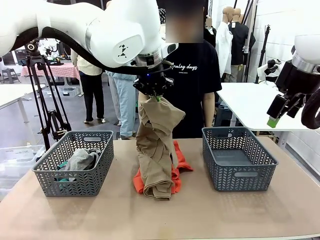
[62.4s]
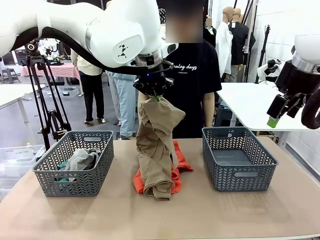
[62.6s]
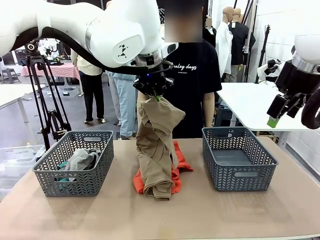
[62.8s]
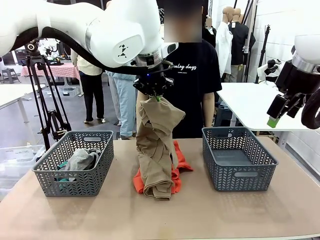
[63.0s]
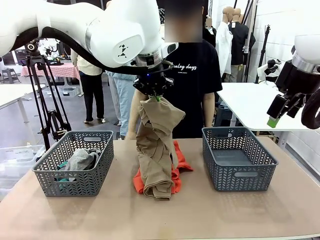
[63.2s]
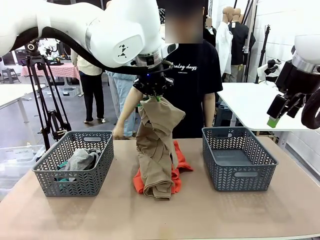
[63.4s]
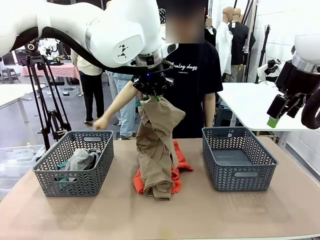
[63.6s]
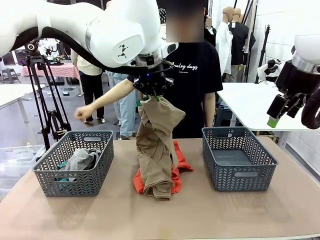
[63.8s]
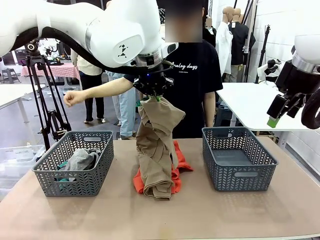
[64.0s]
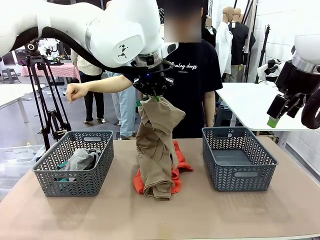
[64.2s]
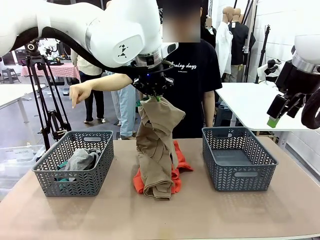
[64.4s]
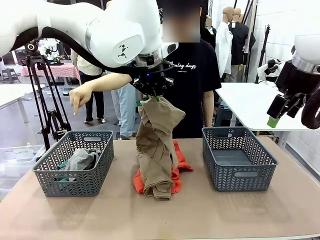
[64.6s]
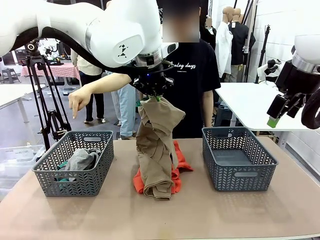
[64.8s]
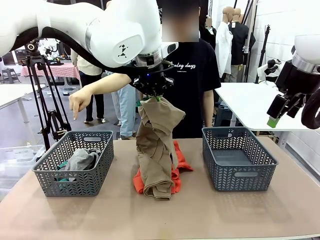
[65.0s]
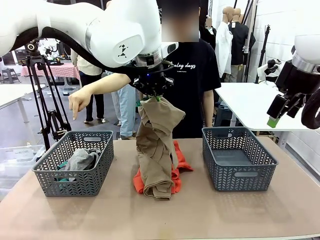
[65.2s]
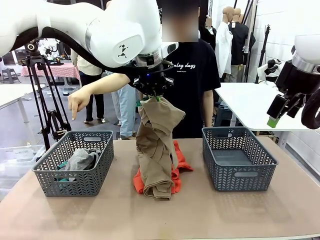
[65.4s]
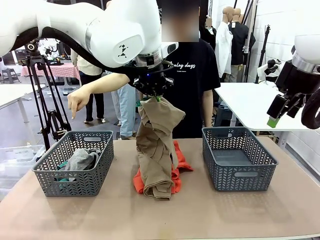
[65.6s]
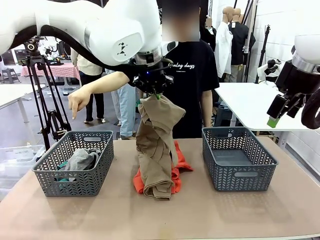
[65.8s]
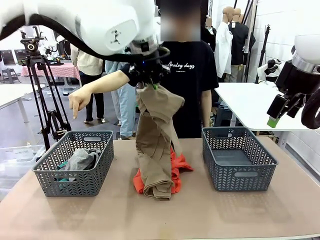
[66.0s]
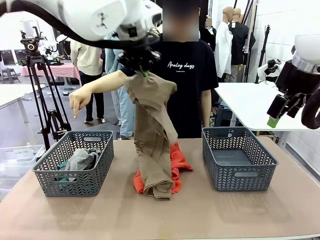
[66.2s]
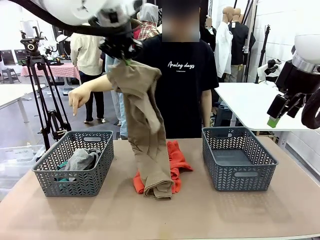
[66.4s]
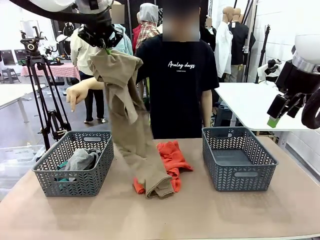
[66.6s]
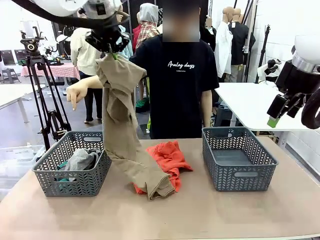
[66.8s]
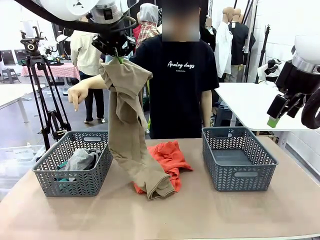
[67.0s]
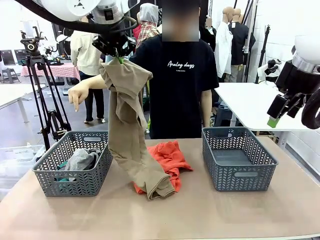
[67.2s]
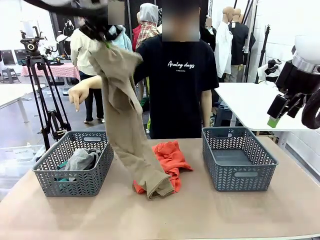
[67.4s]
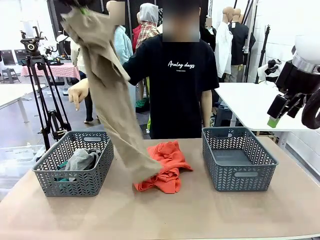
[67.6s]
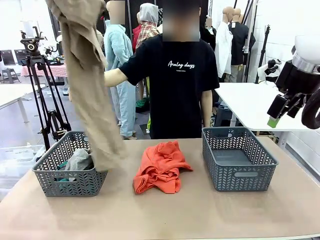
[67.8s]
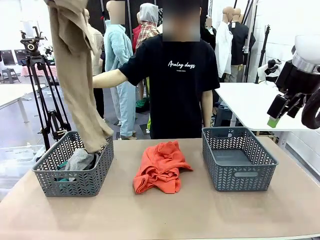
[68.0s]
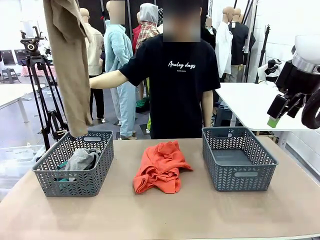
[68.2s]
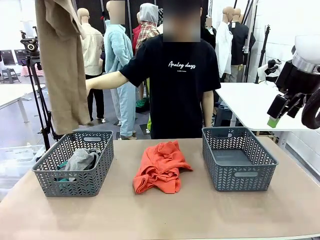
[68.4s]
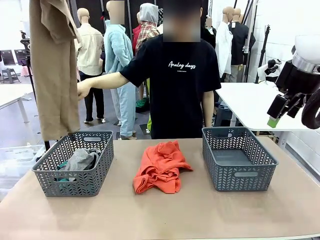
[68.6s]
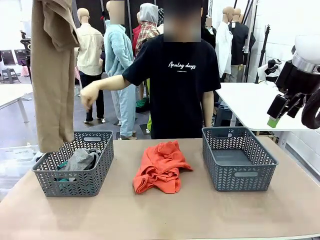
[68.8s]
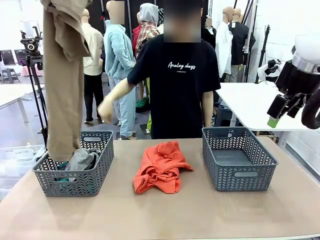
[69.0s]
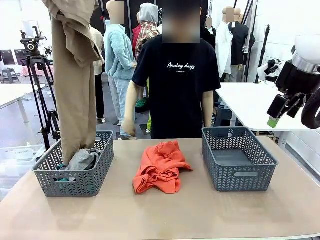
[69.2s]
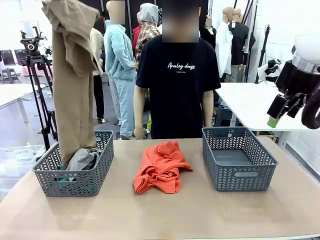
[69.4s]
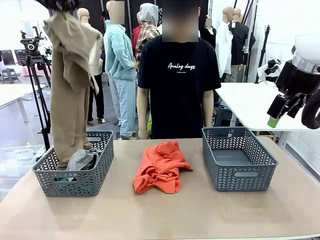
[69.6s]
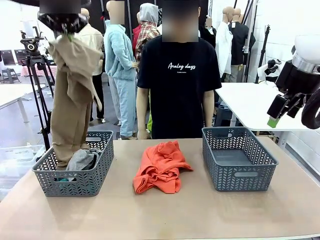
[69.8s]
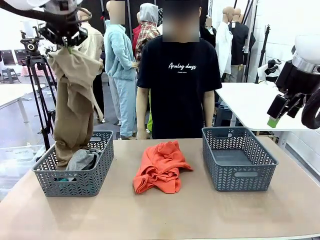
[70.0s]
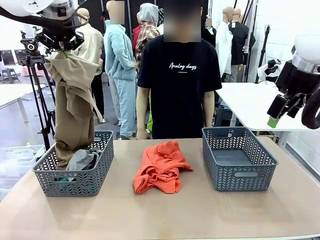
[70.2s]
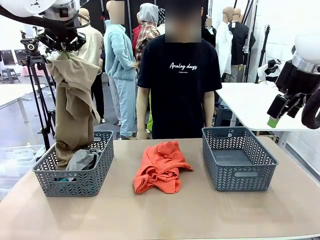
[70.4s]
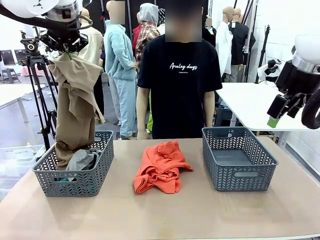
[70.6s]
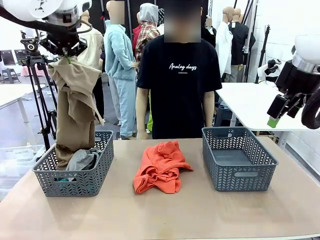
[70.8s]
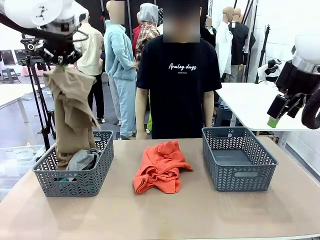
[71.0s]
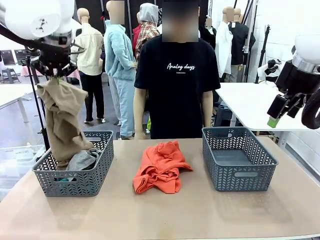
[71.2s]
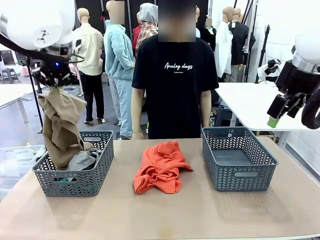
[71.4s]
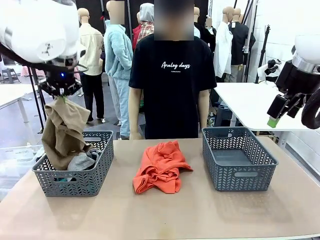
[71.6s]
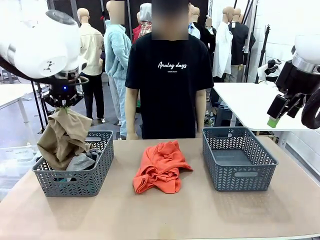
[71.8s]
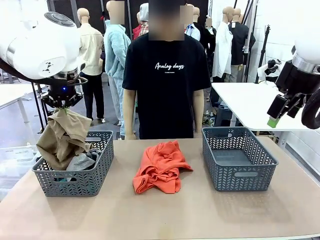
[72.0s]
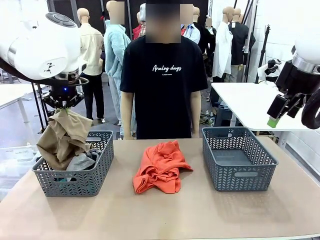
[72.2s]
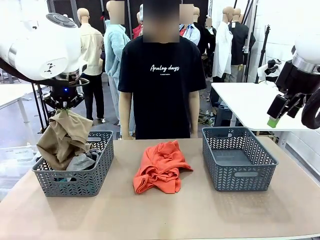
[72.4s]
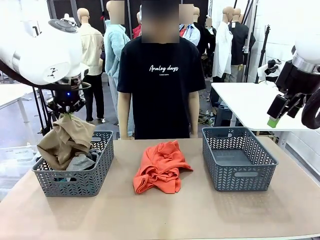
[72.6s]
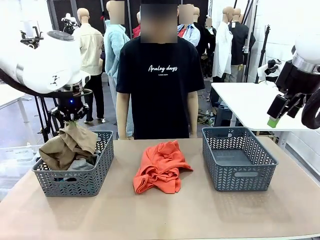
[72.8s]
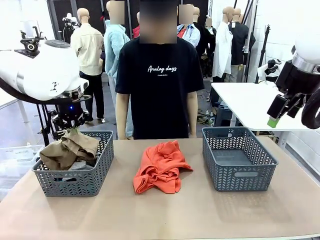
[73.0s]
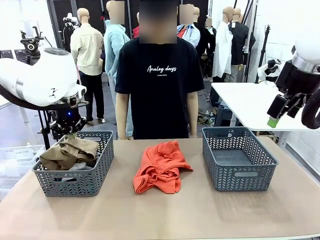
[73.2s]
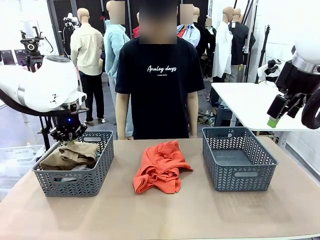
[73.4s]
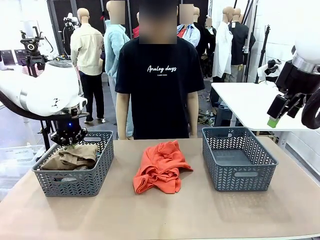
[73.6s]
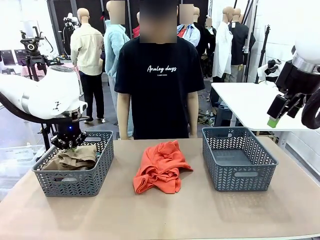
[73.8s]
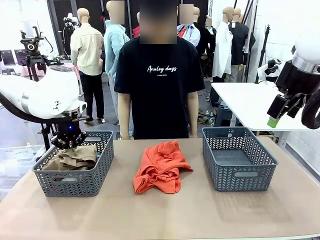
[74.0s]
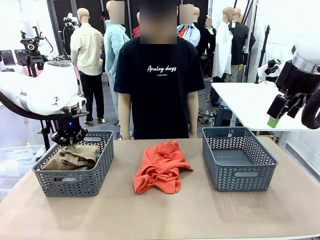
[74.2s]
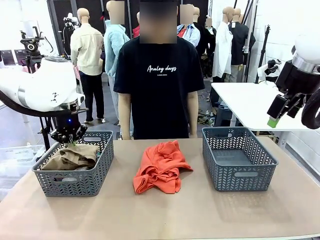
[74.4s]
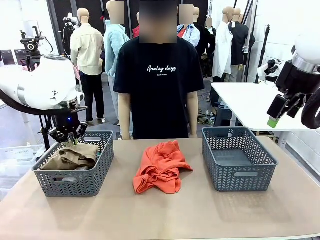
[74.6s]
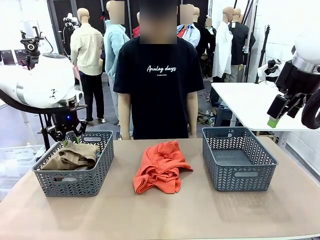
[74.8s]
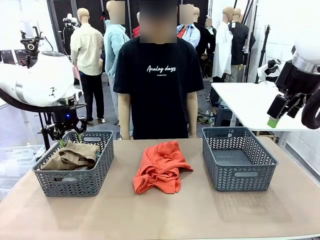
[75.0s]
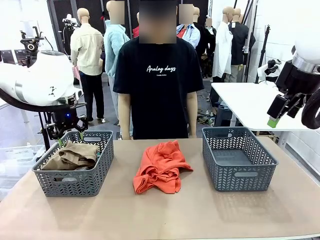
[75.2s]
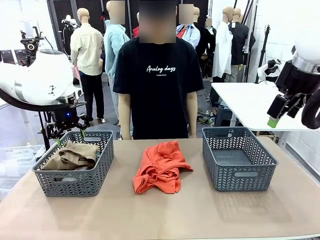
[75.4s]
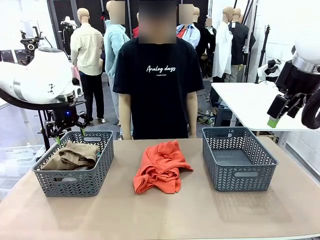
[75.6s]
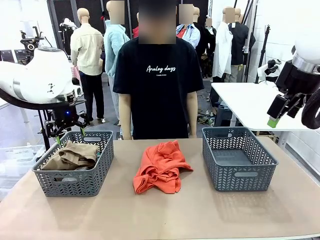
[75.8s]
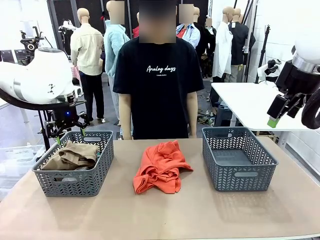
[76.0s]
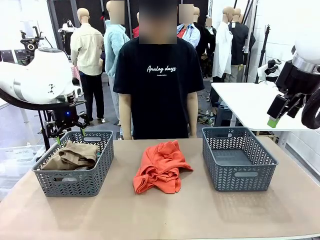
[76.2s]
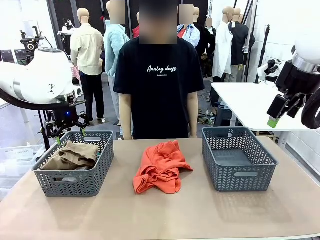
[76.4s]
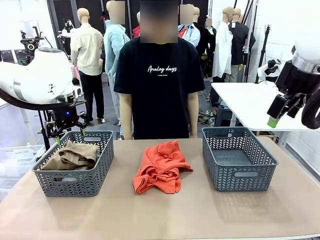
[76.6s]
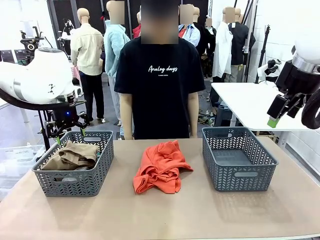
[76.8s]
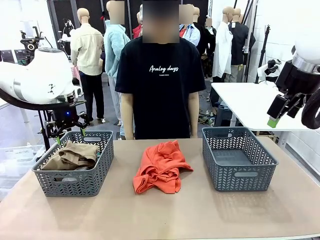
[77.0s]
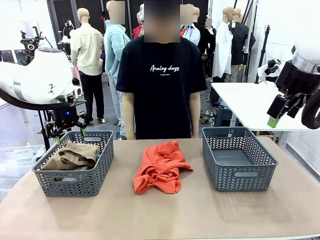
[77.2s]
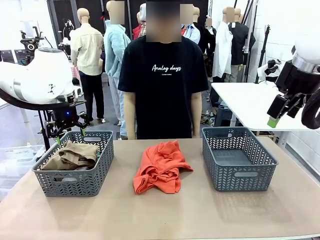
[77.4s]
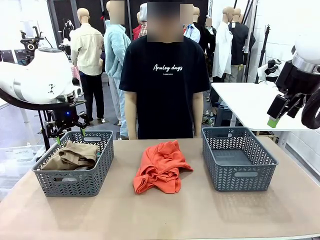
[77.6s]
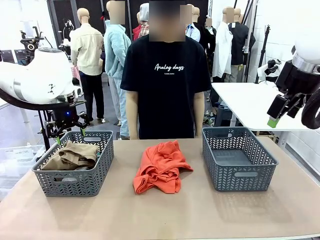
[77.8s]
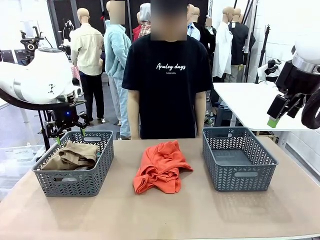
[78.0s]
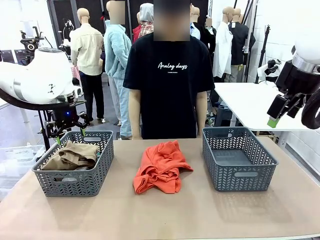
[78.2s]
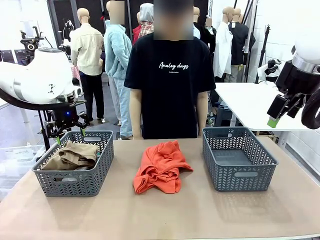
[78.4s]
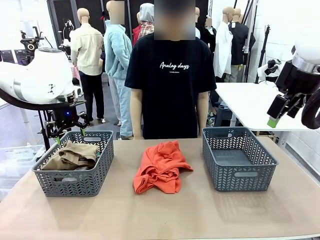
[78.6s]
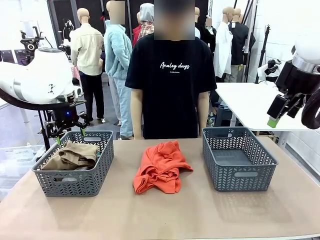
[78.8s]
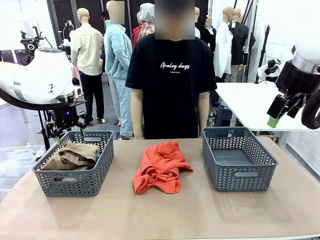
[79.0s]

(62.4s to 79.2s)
Task: Sort the tops and bottoms.
Robot: Sort the clothes according to human instructions.

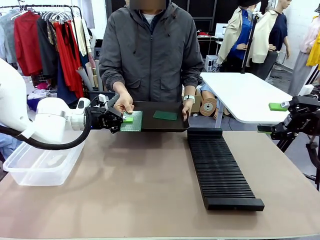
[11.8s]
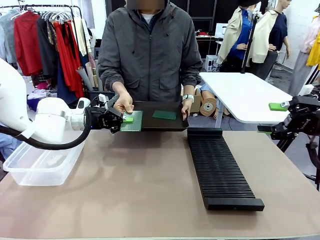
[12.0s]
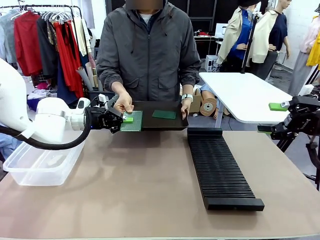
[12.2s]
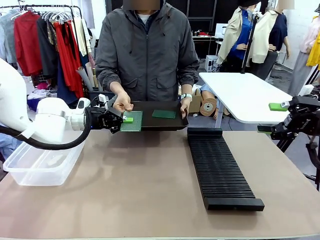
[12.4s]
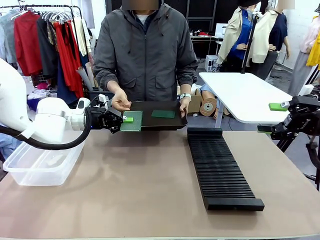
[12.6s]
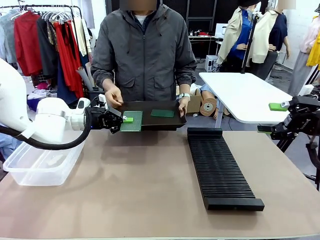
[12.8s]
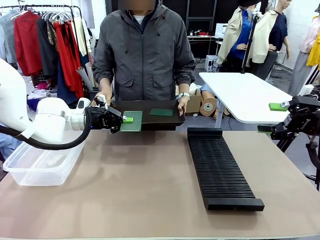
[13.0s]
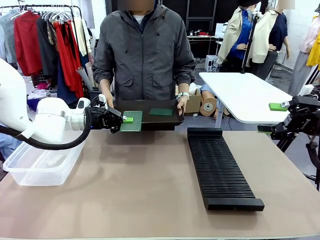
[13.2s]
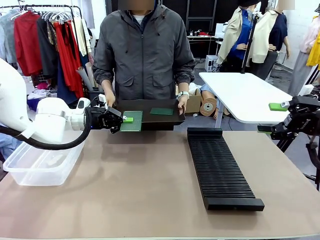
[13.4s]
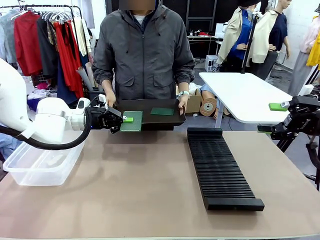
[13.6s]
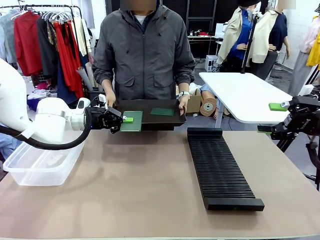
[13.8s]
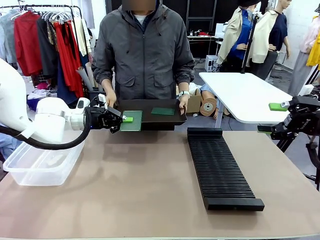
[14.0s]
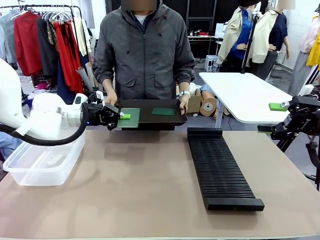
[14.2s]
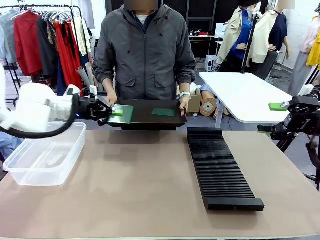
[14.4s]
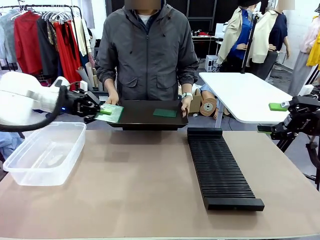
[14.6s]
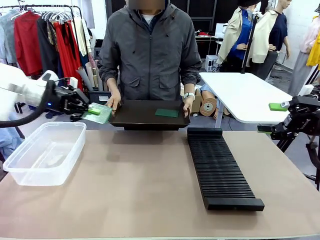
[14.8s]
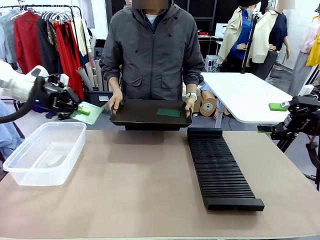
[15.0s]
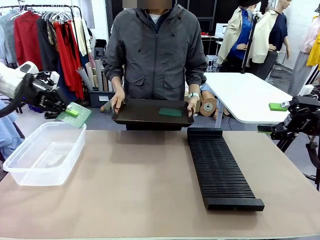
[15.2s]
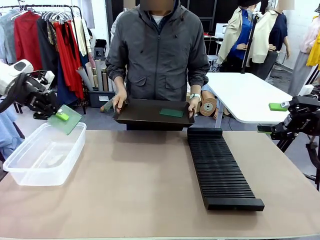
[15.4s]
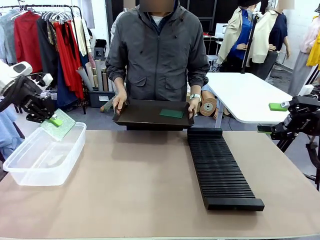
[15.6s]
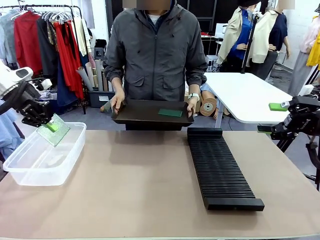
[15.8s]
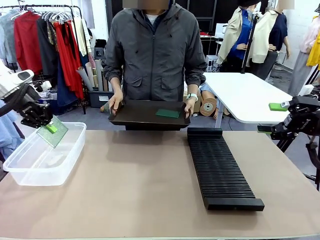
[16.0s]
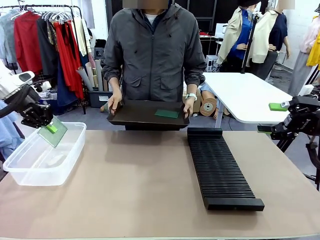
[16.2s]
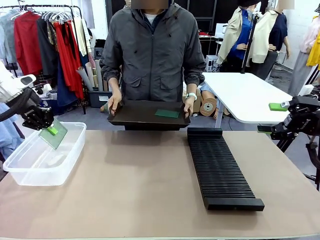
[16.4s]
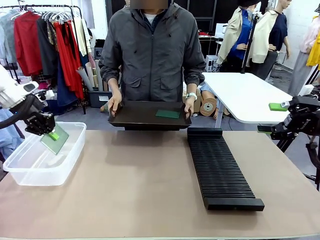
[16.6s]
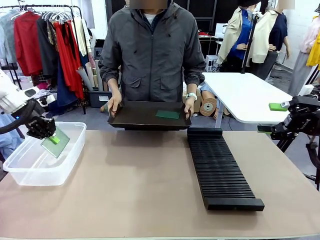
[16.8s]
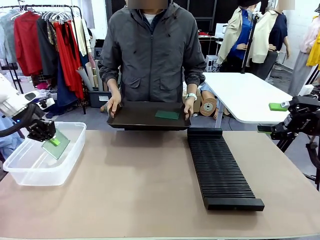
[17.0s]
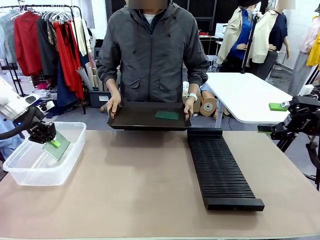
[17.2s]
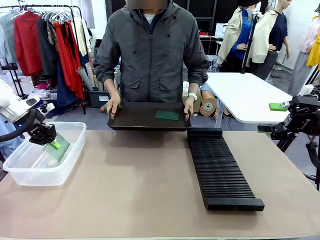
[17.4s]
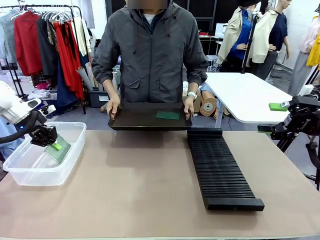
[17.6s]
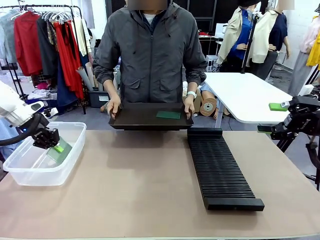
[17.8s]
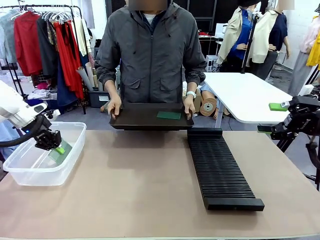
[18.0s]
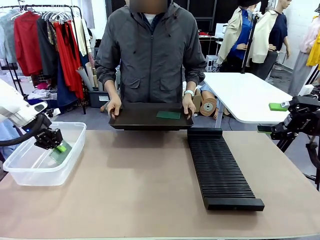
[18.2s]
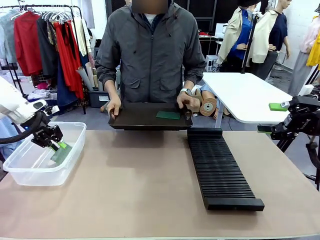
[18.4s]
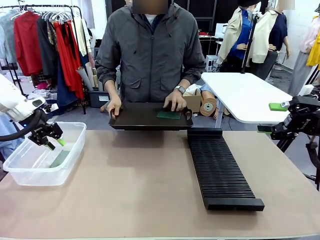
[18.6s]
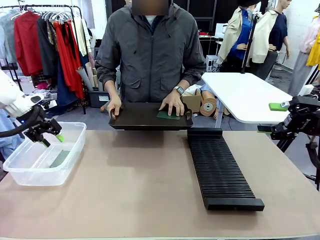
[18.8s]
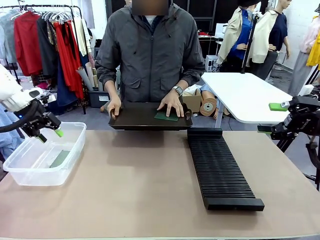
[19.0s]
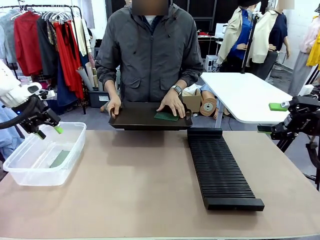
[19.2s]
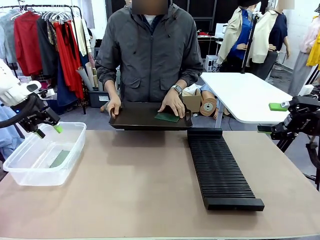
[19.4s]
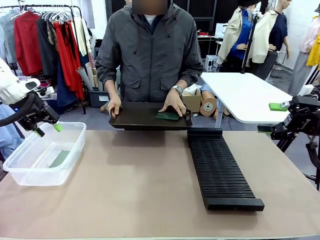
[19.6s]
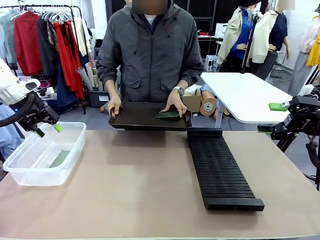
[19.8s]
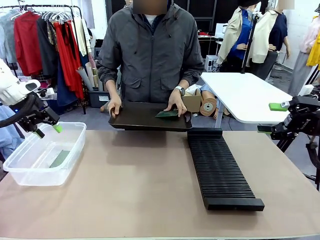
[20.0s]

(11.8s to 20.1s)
Task: Sort PCBs into racks and boxes based on the side picked up.
Robot: If the short side of the Blank PCB is picked up, insert it into the PCB Rack ; if the long side is picked up, place it in the Organizing box.
Person: Pick one PCB from the tray and present it to the robot.
